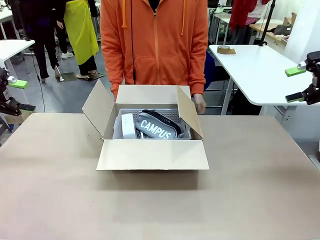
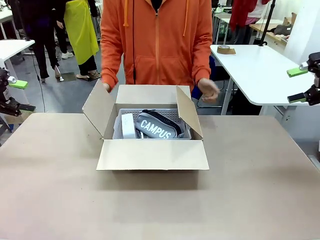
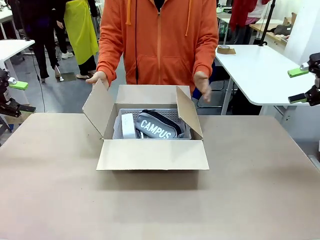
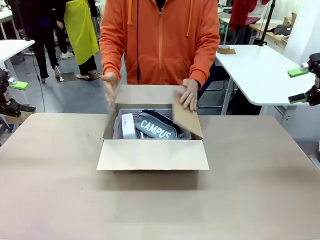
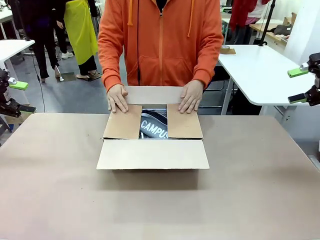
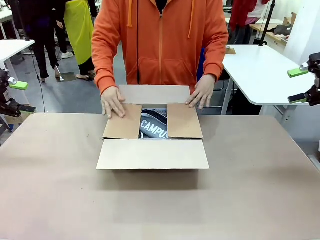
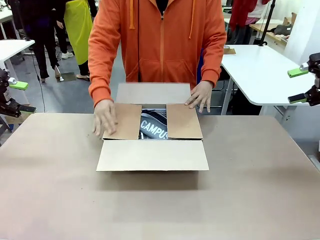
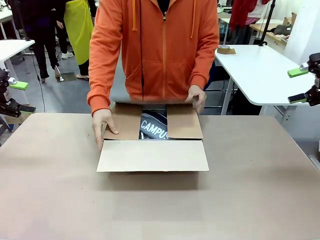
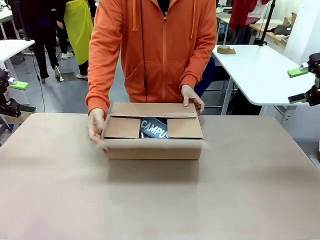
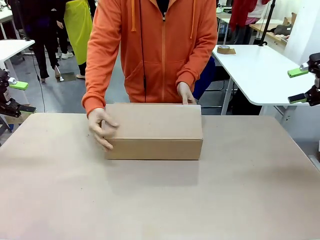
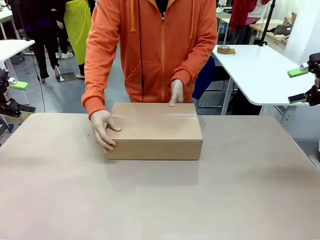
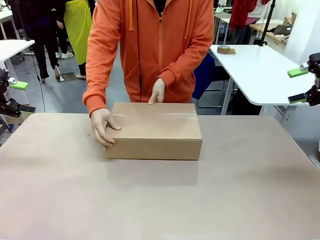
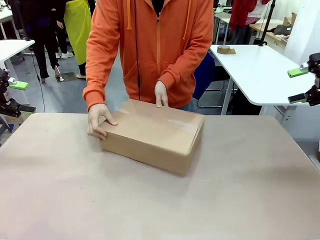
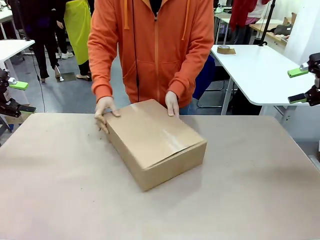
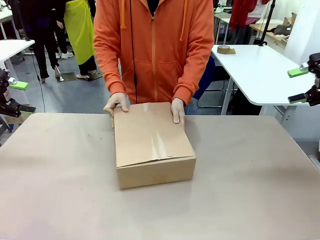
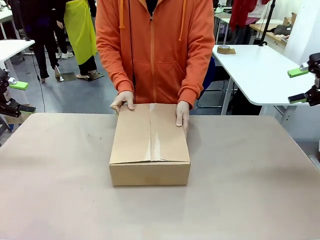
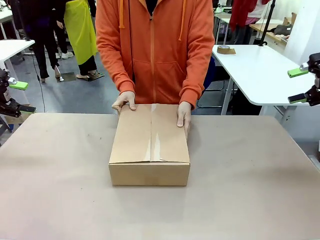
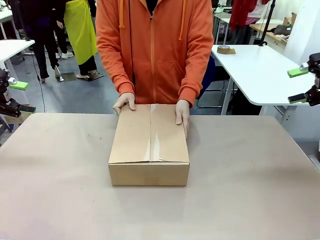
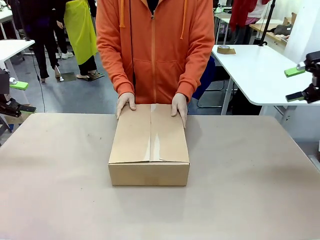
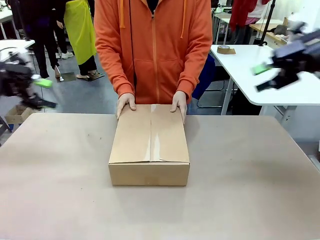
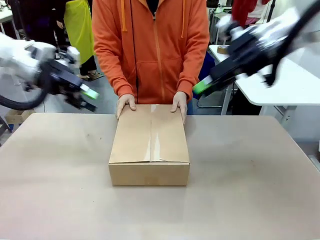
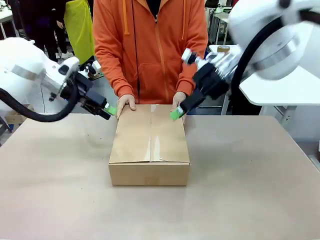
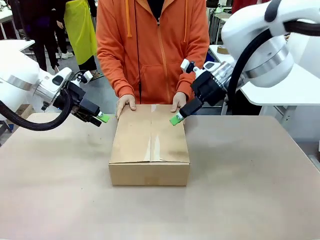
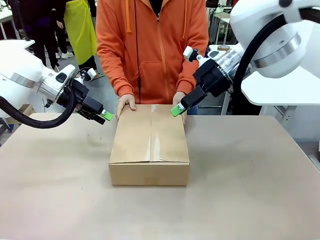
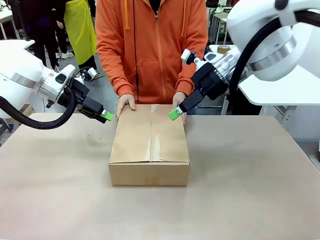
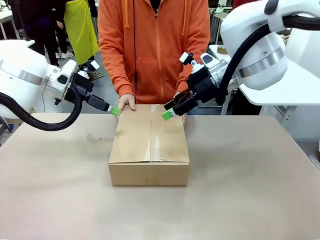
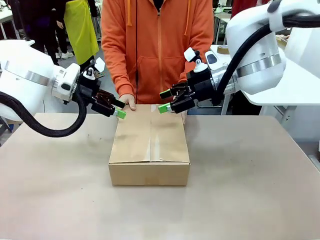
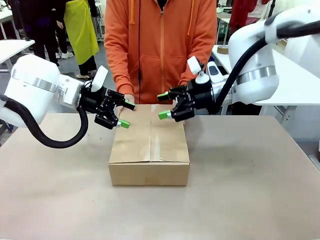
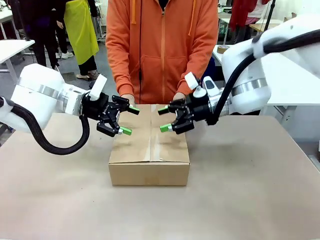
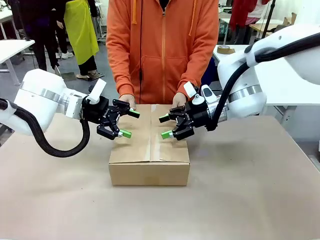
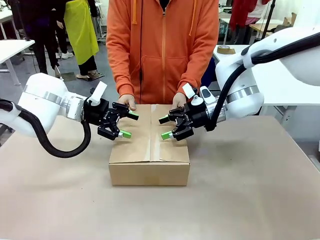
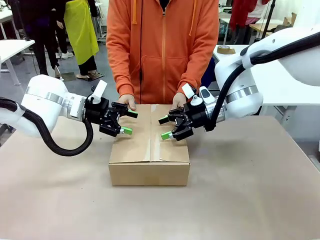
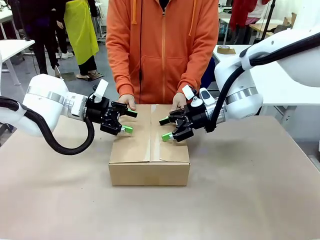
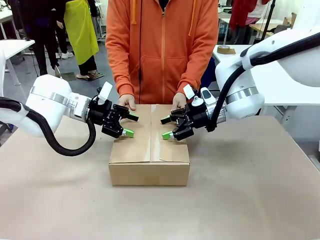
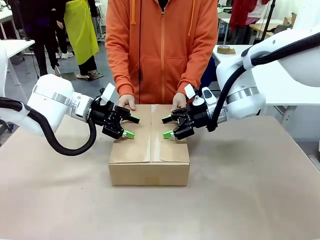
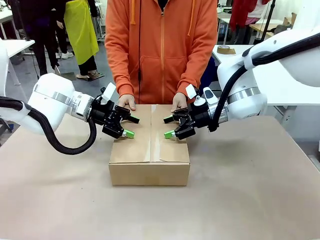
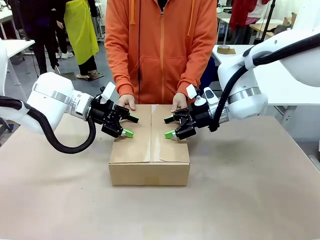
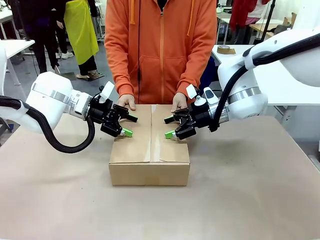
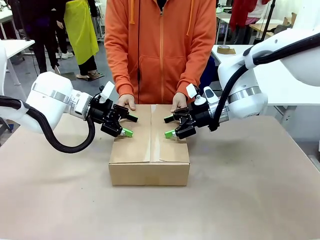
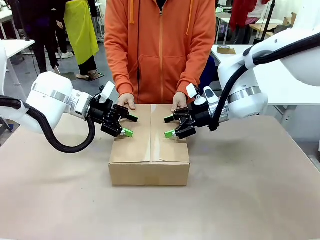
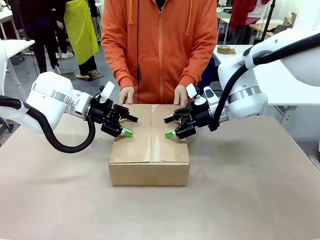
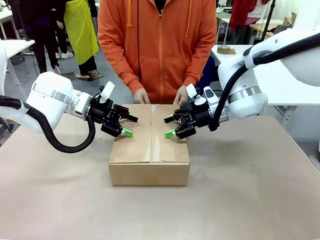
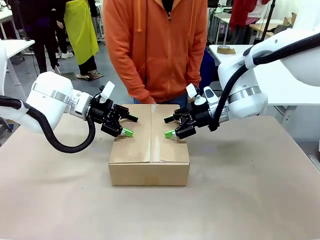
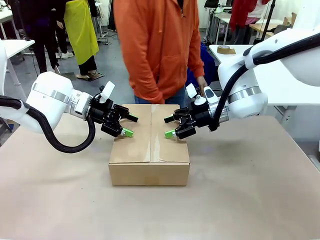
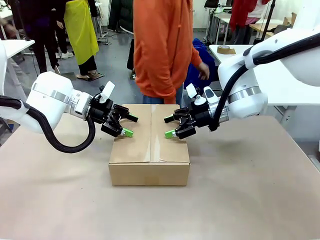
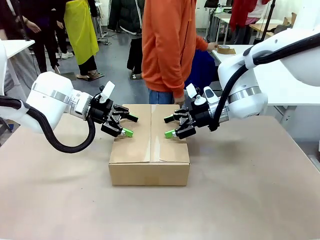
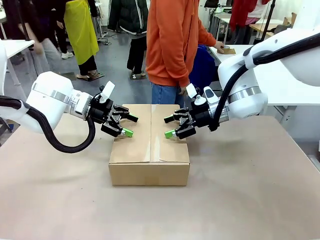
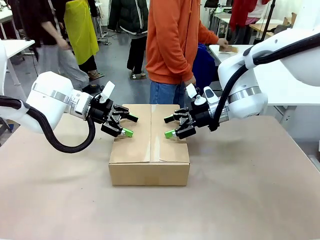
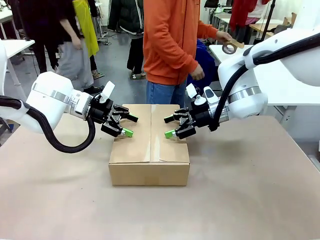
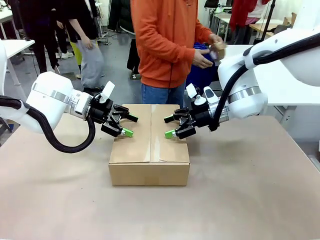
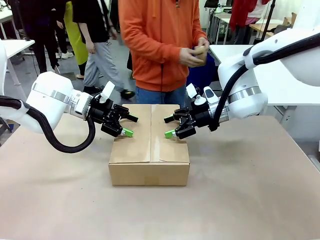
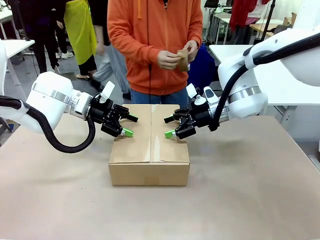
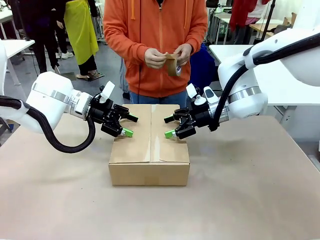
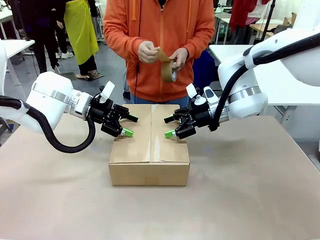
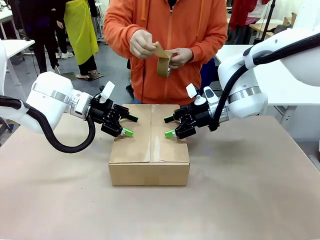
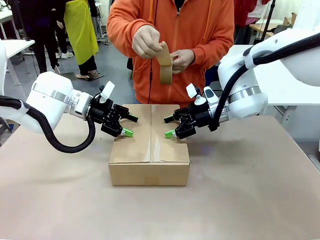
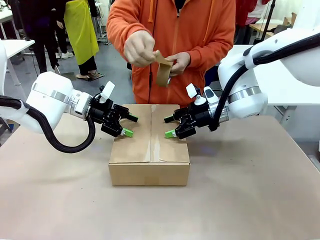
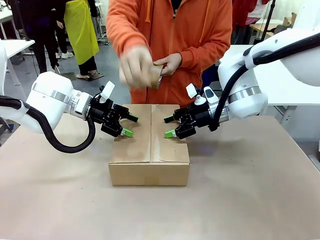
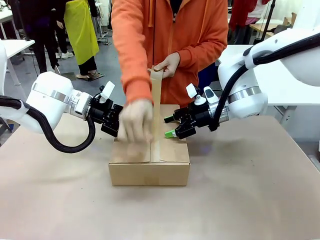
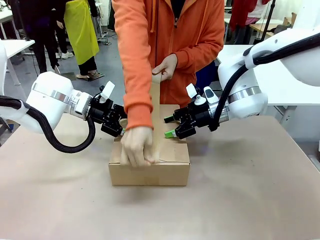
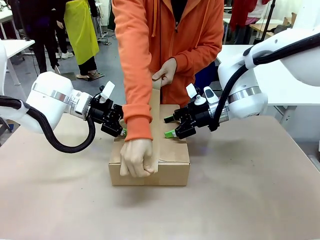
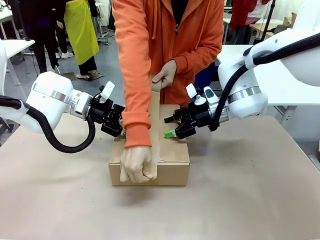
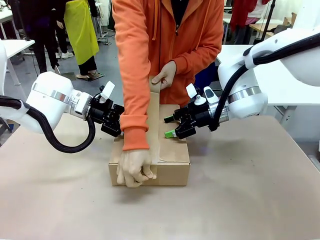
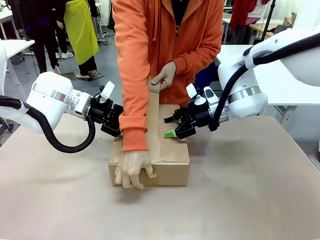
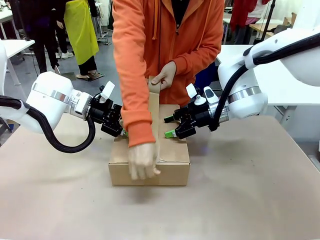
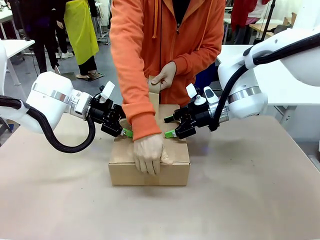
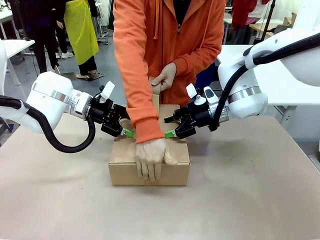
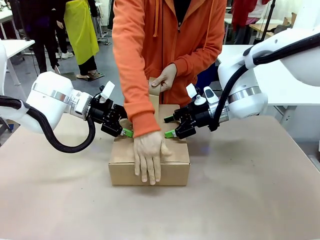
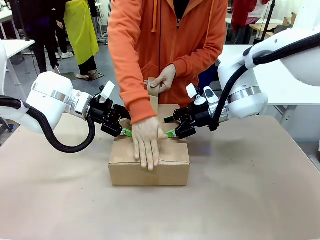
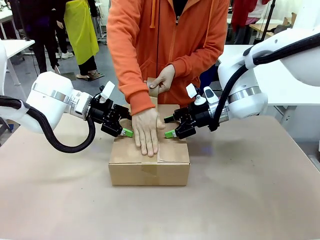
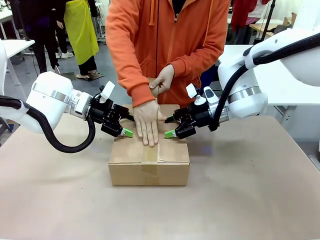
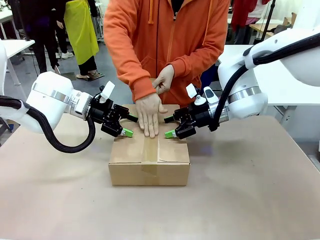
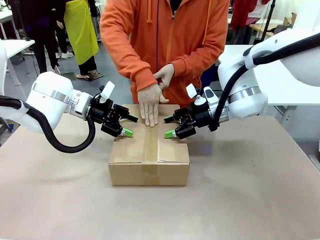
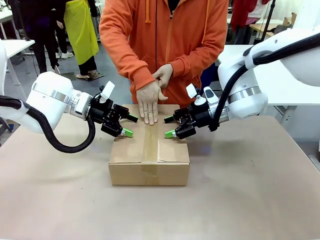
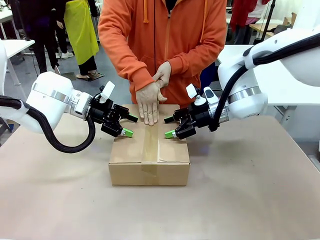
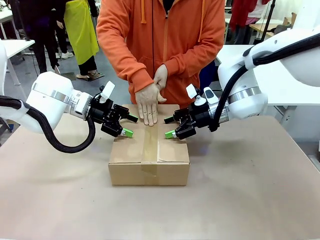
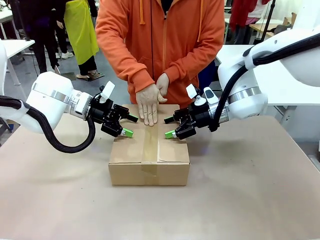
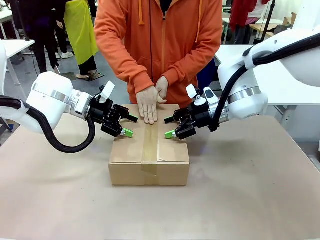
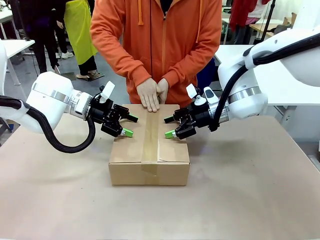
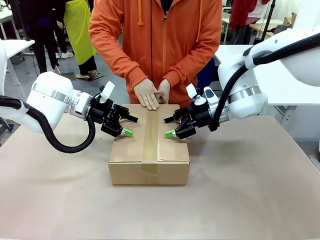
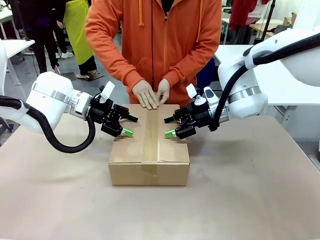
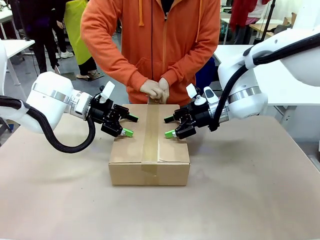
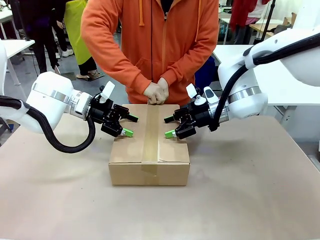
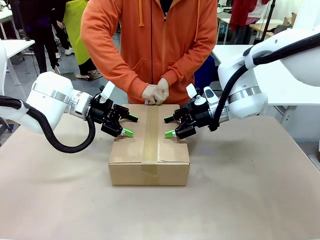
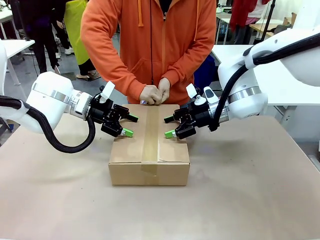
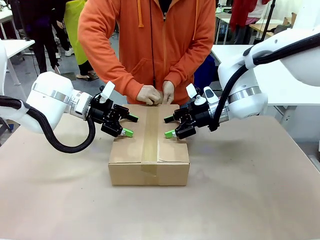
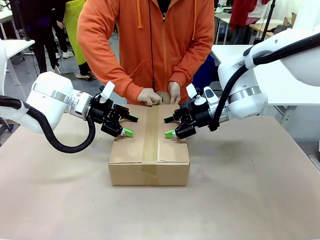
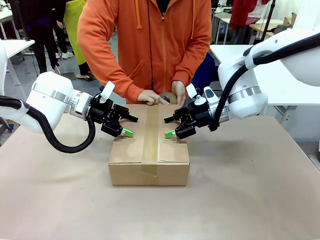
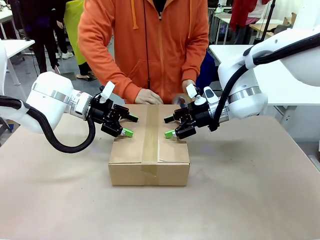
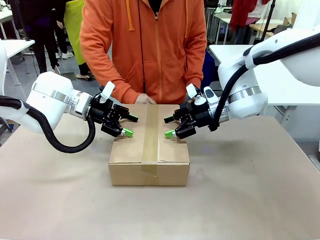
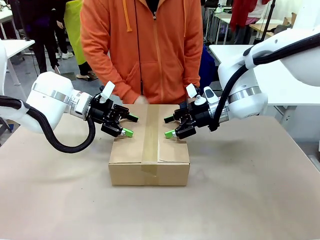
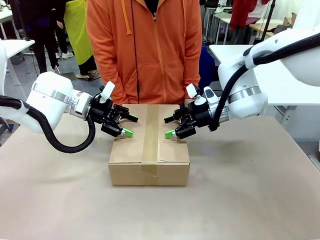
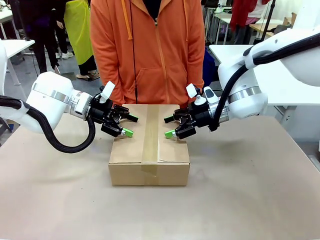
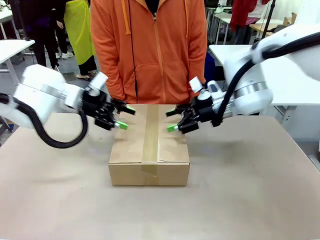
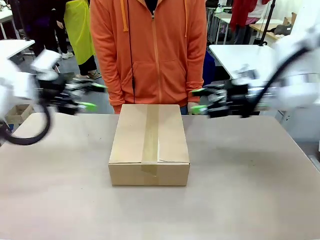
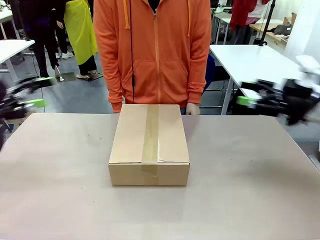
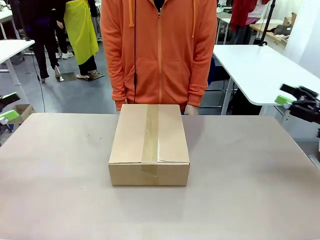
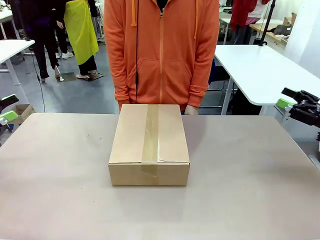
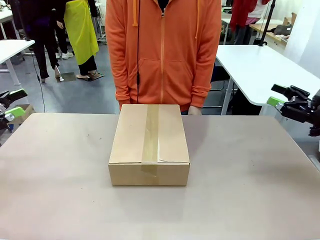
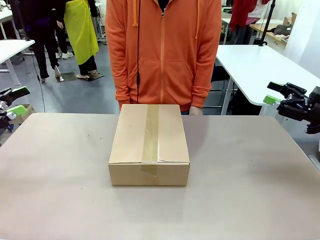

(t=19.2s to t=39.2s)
Task: Pack the gift set into the box.
Robot: Press and hold the closed box until the human finishes sealing it.
Person: The human closes the box and rotates the box by 90 degrees. The human picks up the paper tape from the human table and packs the box.
